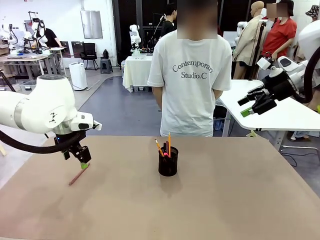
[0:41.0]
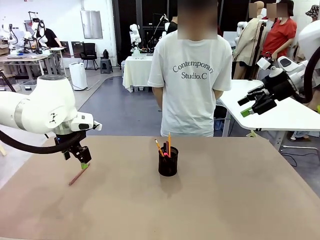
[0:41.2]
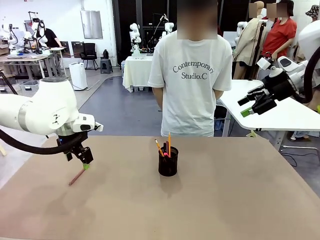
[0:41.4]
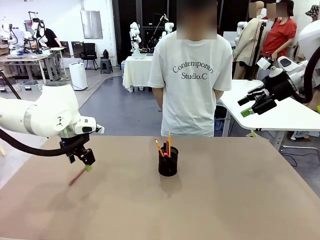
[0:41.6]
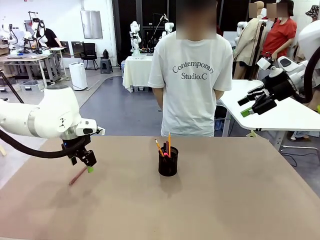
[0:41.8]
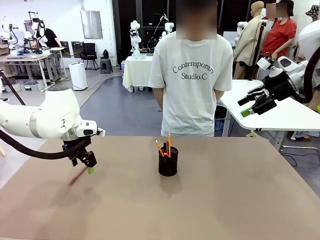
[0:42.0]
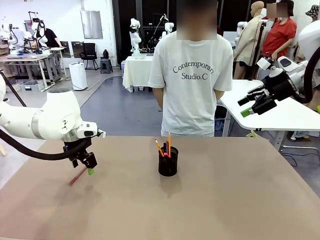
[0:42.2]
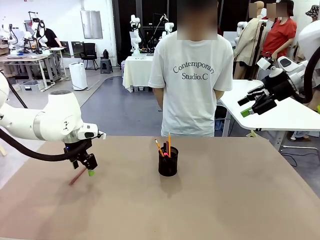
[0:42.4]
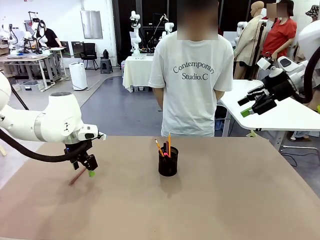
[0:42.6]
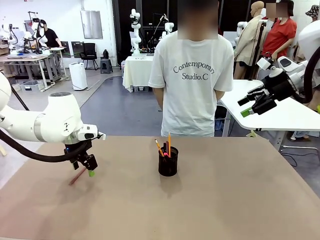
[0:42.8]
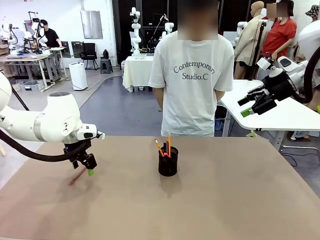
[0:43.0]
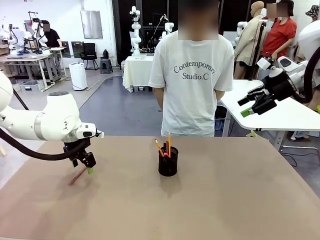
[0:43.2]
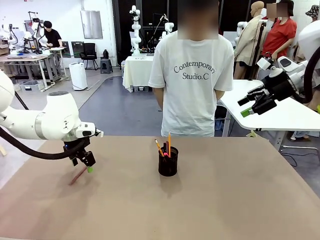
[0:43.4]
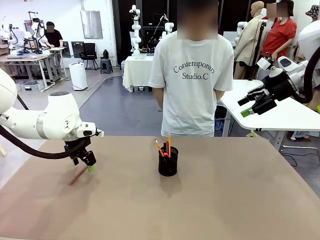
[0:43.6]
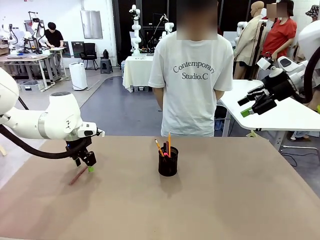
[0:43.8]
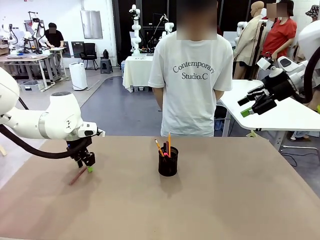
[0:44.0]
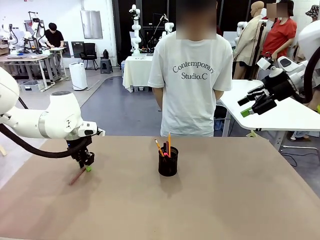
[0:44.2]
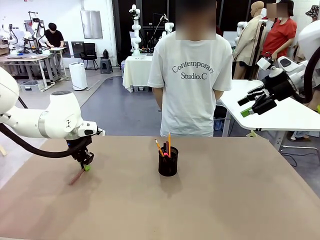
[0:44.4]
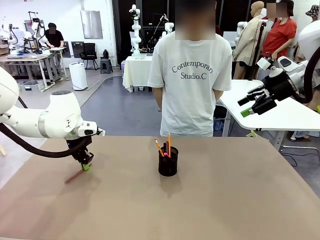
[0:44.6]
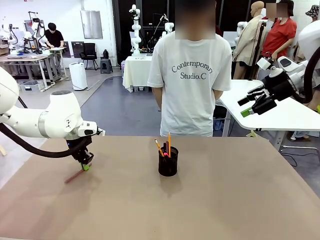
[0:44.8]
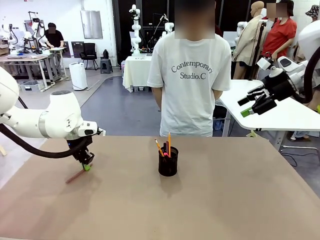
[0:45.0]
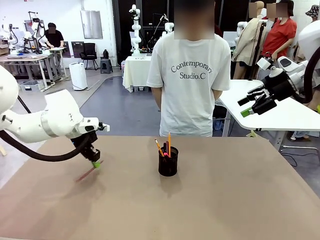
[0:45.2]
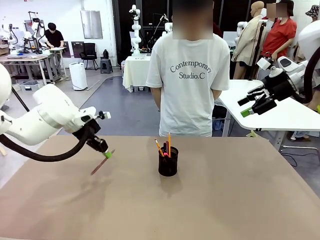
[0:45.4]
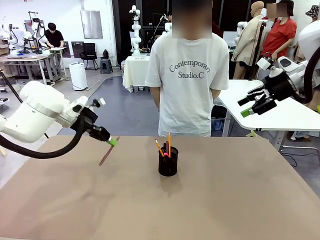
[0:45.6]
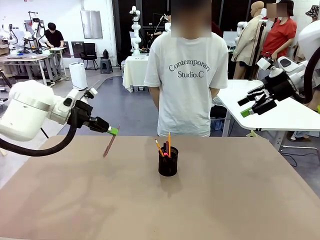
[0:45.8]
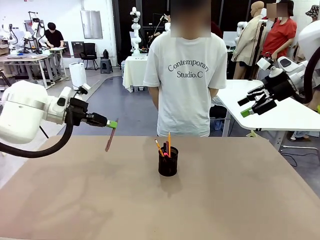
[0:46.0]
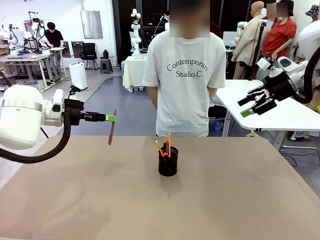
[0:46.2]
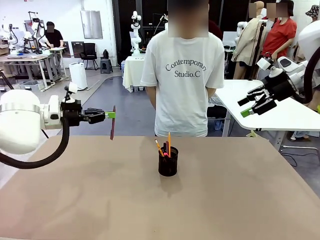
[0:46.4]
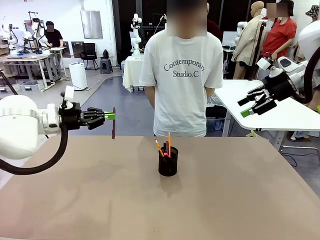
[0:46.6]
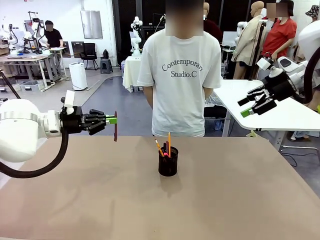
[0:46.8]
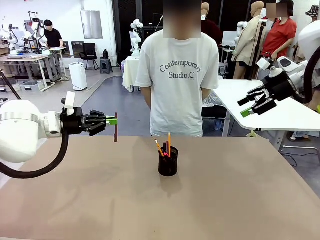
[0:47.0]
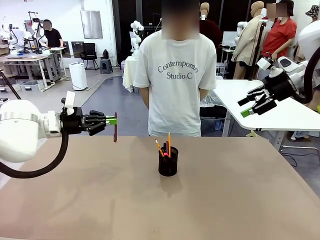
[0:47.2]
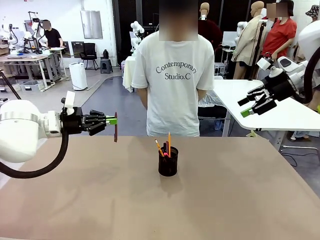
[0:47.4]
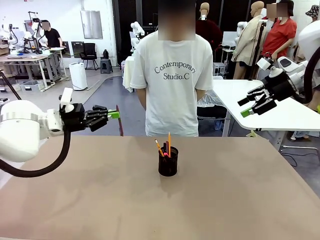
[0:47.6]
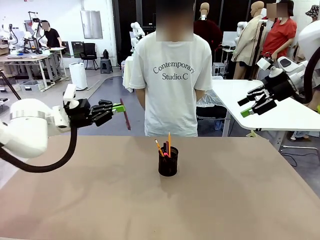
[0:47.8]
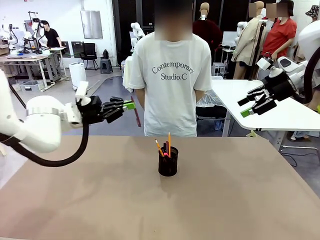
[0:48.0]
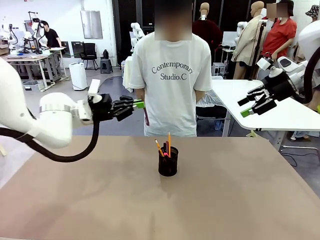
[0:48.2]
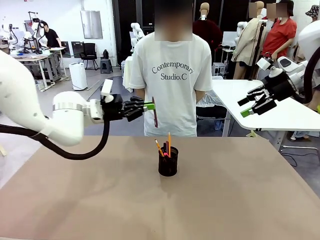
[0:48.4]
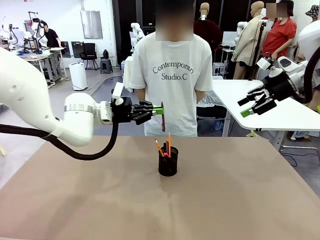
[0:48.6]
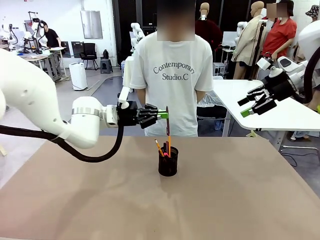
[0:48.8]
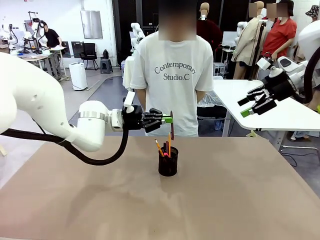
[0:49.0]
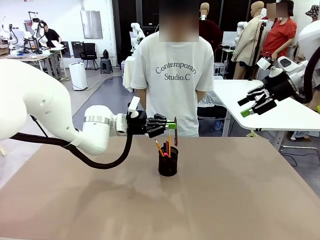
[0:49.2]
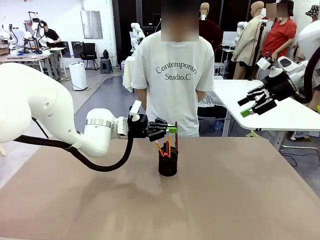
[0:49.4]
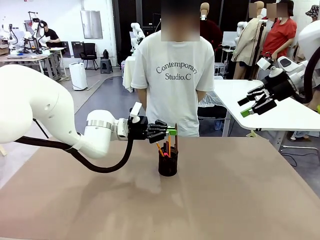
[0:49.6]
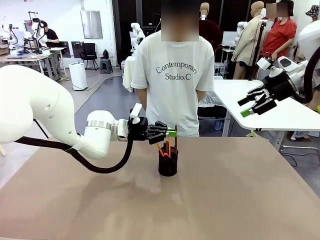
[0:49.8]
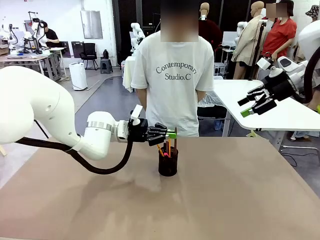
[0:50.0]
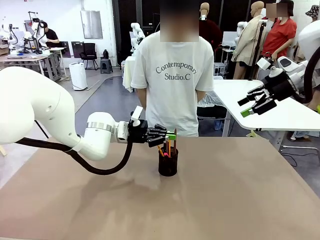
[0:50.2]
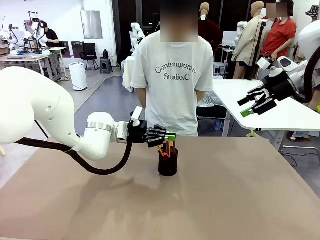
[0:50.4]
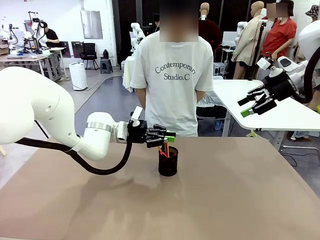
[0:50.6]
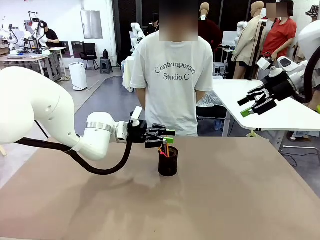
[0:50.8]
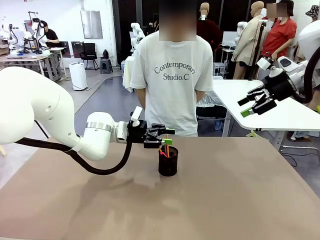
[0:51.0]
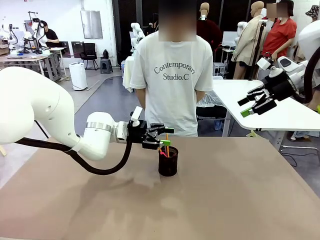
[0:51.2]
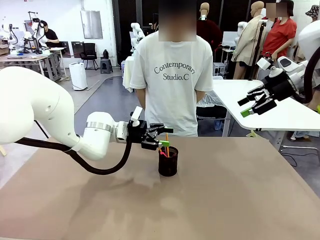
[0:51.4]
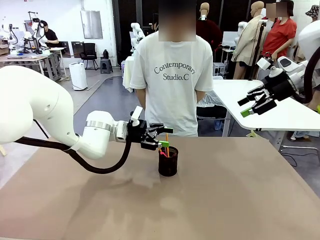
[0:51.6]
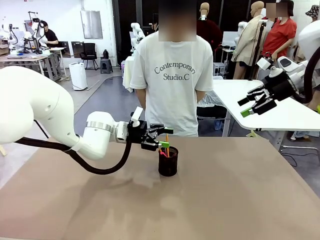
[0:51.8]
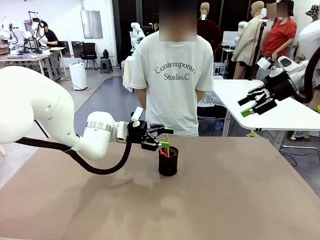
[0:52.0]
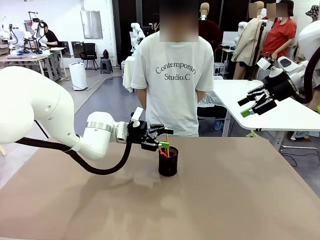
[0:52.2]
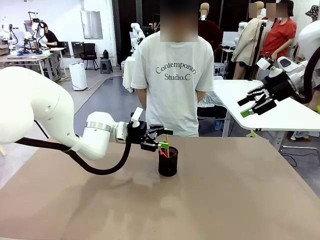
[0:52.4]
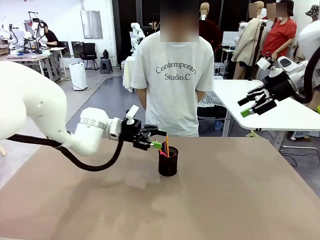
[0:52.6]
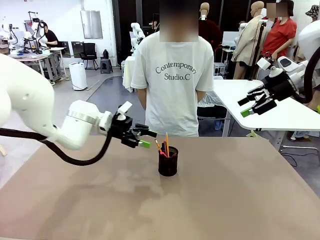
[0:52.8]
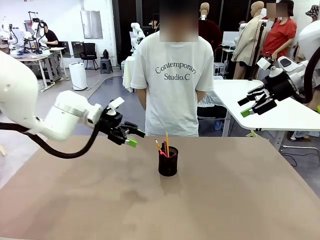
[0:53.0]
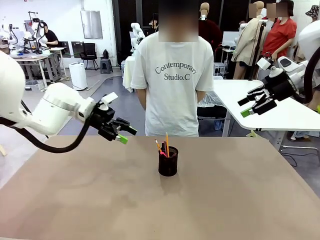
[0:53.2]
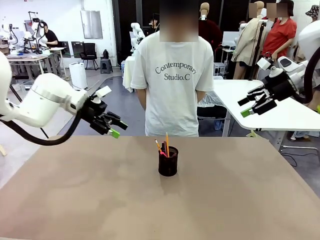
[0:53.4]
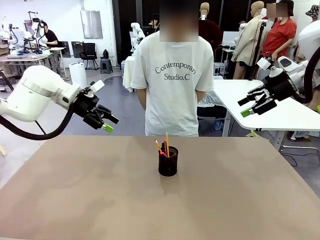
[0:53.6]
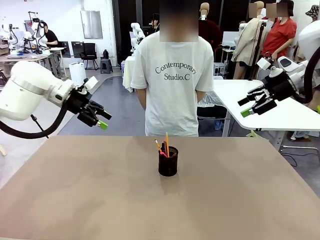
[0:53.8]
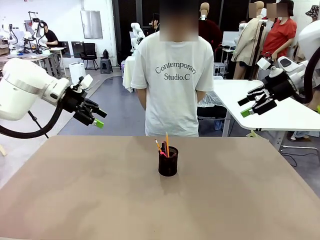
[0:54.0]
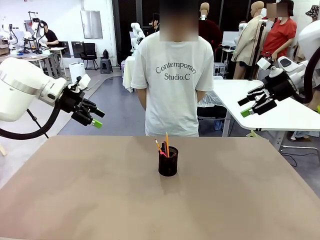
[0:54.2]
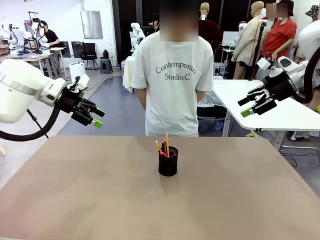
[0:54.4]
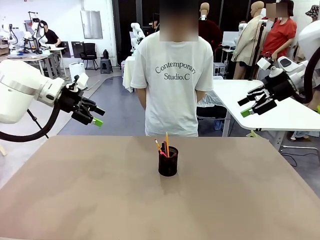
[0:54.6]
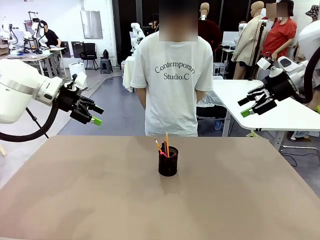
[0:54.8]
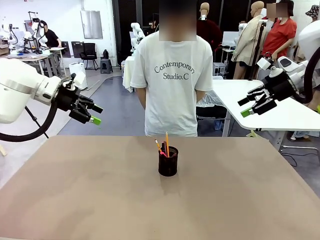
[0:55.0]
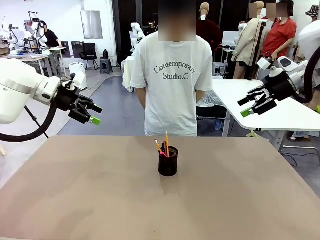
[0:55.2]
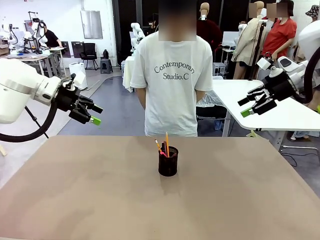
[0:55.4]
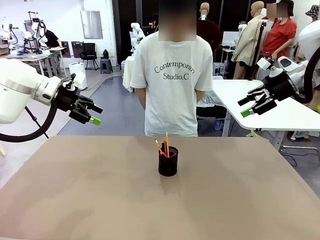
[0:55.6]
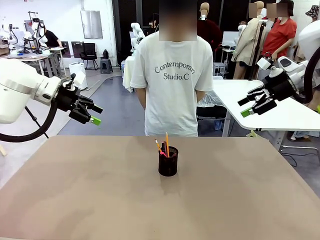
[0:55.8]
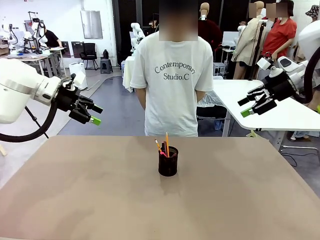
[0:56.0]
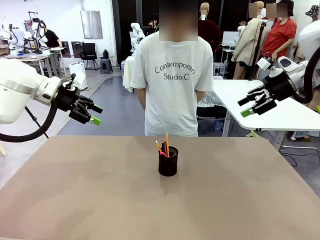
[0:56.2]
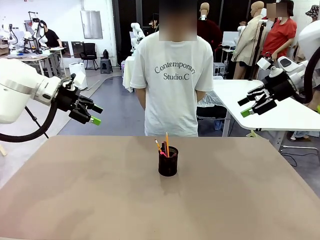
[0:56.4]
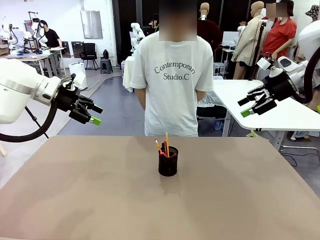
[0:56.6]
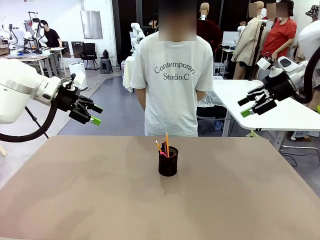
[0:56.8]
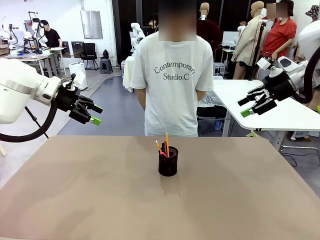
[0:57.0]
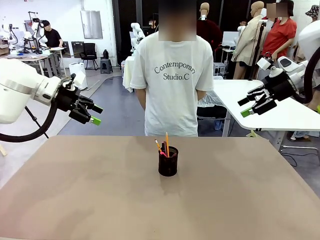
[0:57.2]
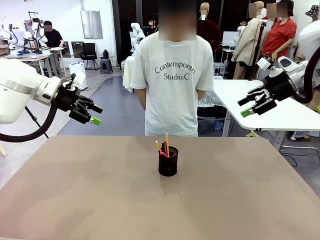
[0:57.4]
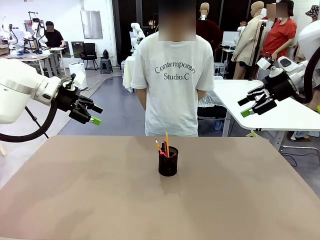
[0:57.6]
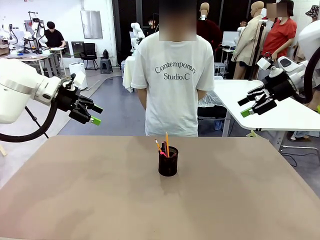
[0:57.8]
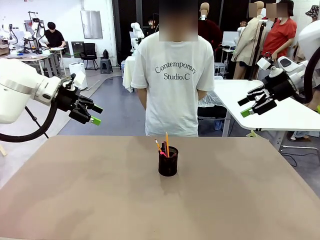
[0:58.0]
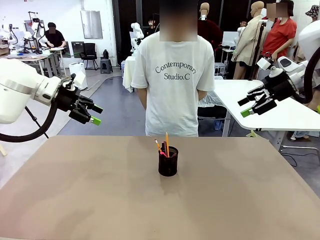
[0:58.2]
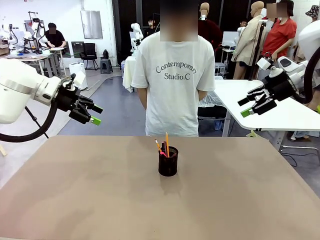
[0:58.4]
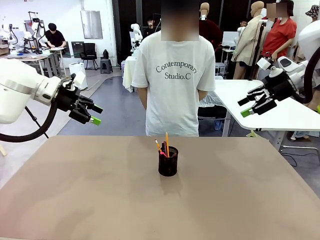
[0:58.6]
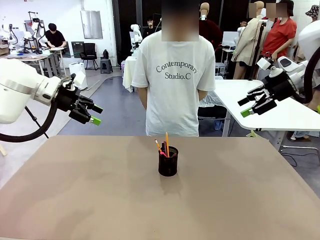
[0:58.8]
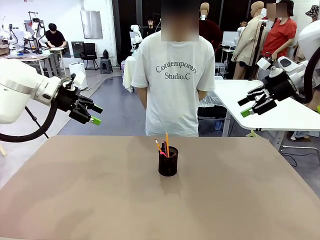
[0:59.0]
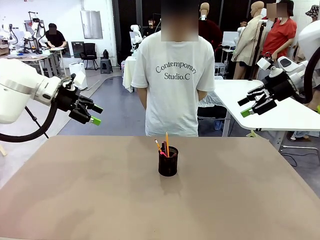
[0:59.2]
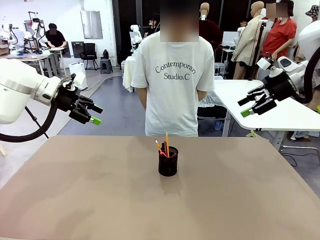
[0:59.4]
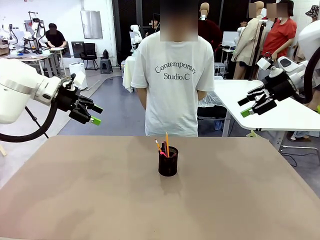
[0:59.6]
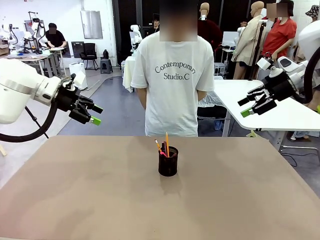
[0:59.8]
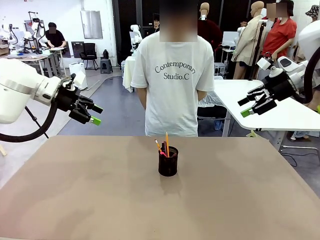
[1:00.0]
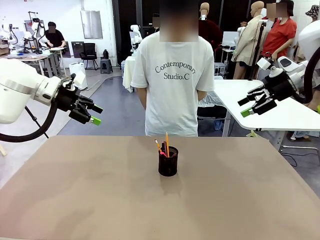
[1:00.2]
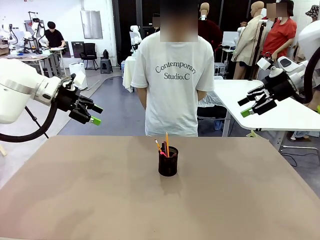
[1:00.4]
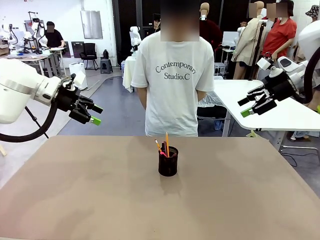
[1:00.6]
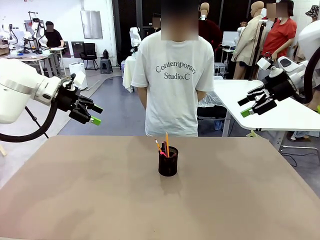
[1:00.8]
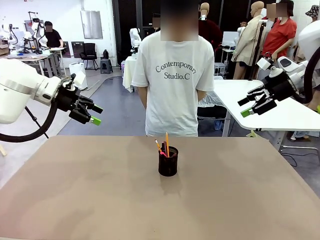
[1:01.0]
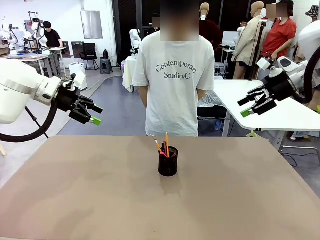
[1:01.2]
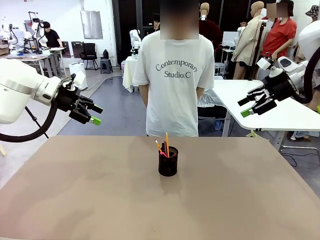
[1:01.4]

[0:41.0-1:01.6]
Task: Place the pens into the pen holder.
Robot: Pick up a writing instrument from the table and place it into the Pen holder.
